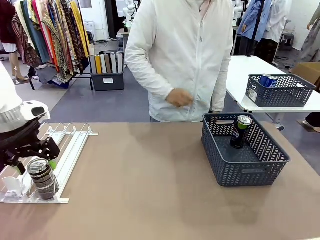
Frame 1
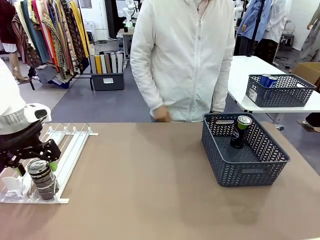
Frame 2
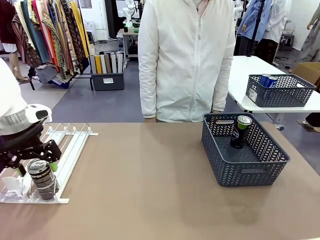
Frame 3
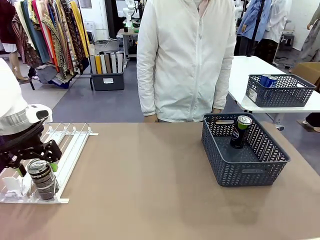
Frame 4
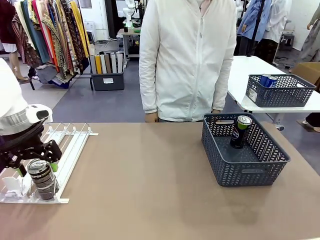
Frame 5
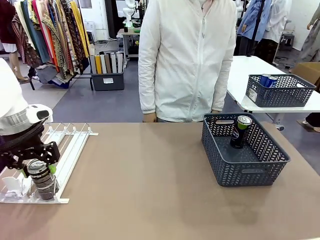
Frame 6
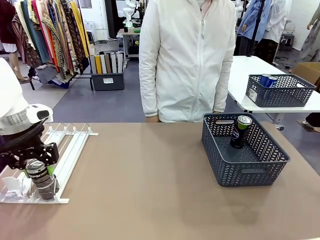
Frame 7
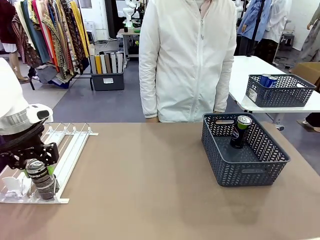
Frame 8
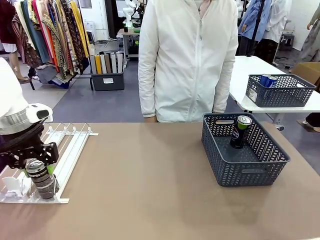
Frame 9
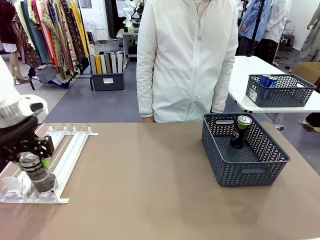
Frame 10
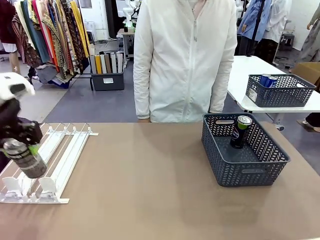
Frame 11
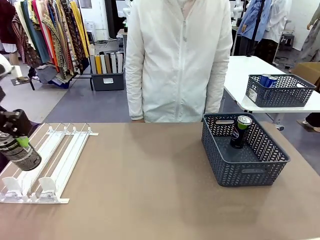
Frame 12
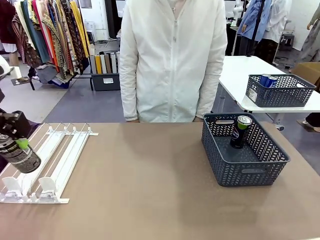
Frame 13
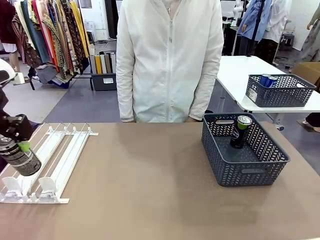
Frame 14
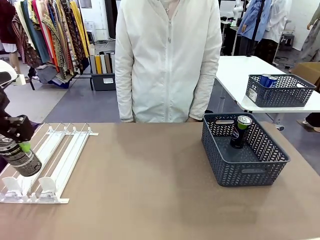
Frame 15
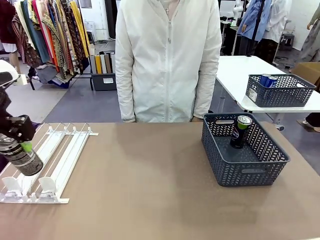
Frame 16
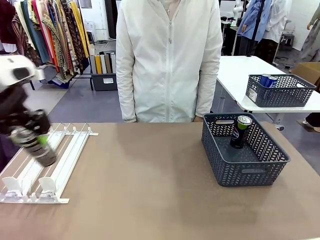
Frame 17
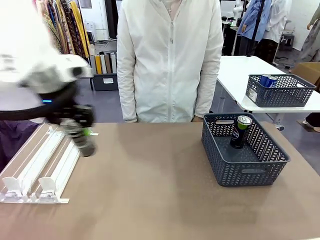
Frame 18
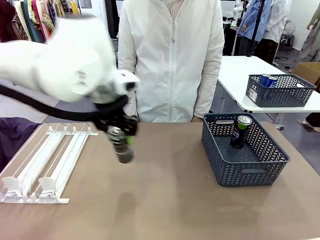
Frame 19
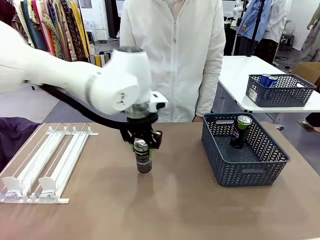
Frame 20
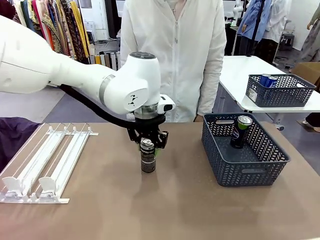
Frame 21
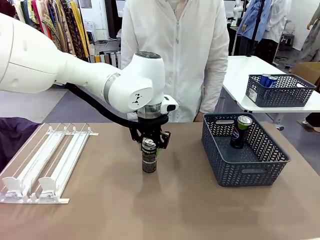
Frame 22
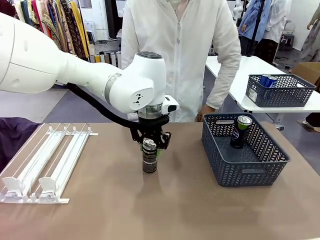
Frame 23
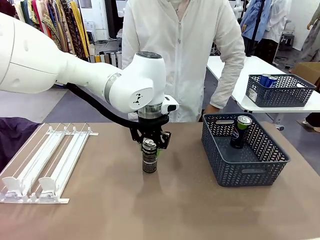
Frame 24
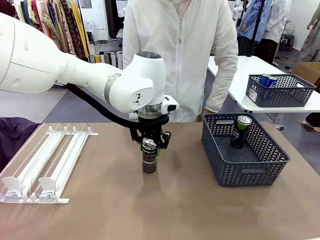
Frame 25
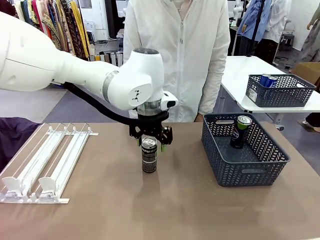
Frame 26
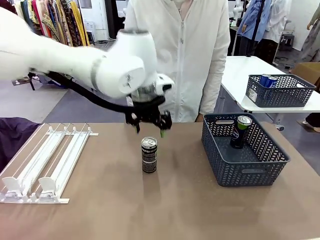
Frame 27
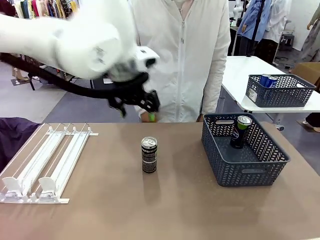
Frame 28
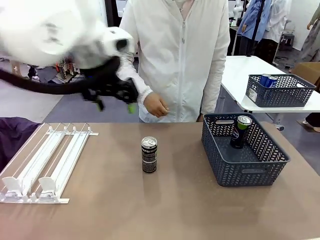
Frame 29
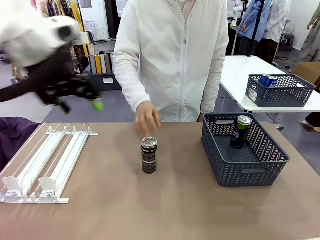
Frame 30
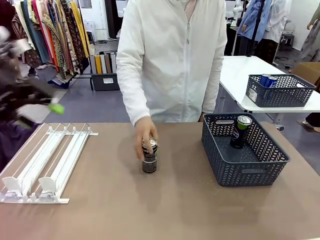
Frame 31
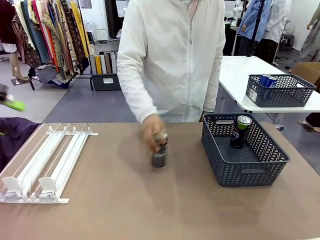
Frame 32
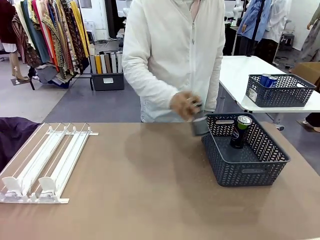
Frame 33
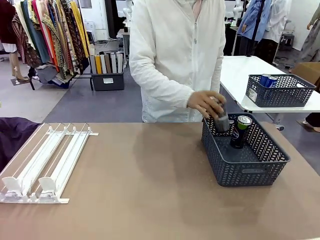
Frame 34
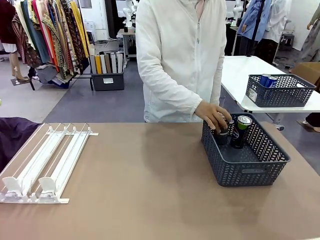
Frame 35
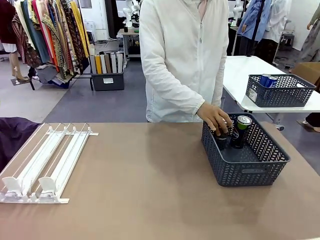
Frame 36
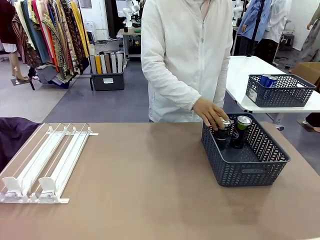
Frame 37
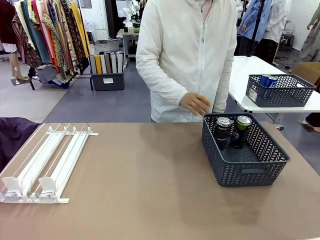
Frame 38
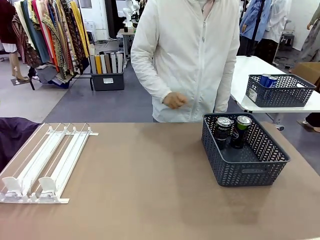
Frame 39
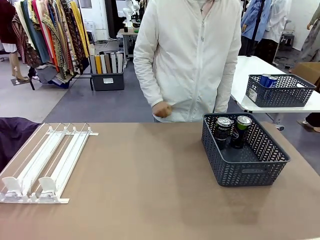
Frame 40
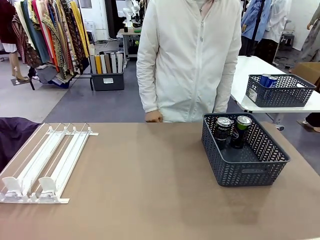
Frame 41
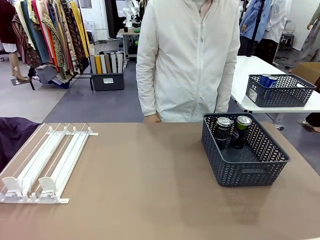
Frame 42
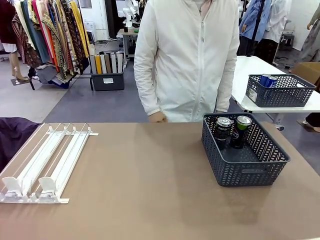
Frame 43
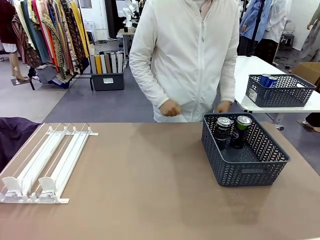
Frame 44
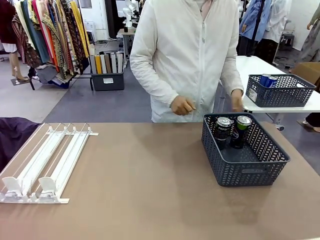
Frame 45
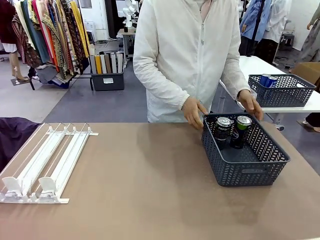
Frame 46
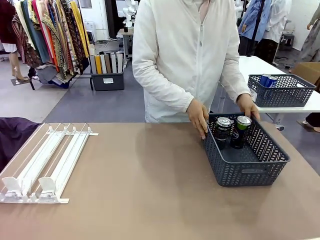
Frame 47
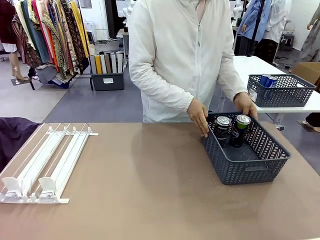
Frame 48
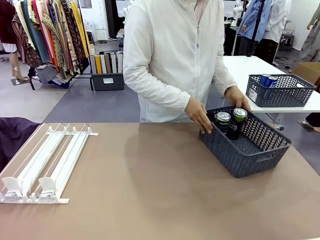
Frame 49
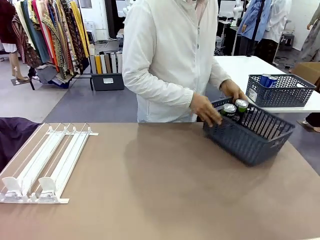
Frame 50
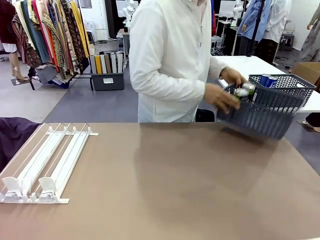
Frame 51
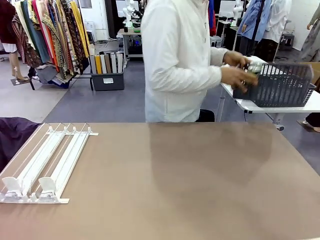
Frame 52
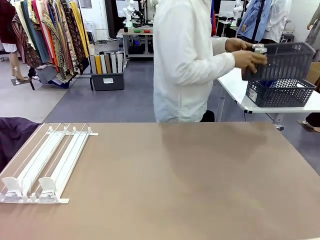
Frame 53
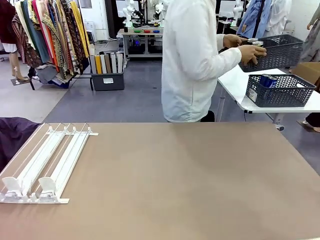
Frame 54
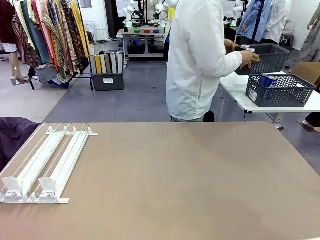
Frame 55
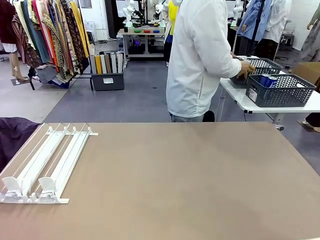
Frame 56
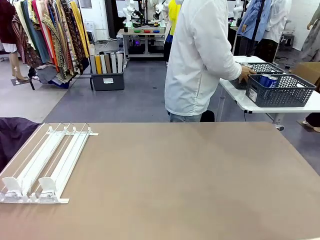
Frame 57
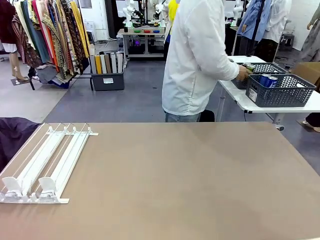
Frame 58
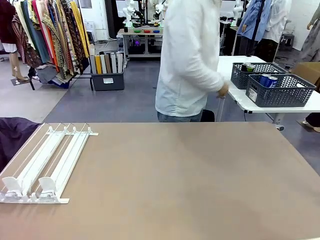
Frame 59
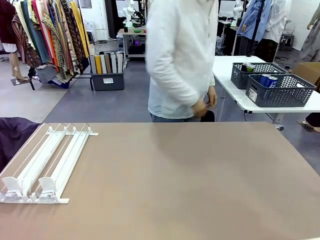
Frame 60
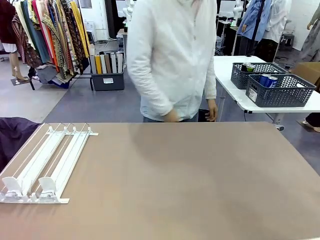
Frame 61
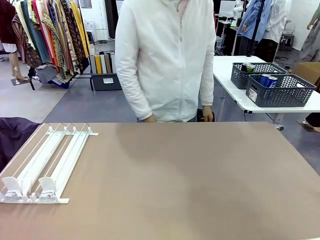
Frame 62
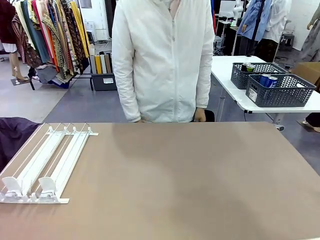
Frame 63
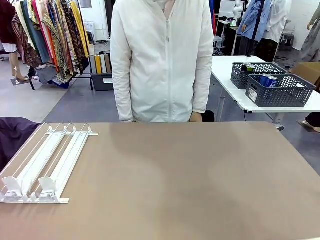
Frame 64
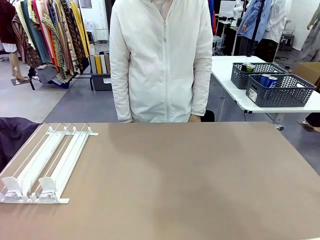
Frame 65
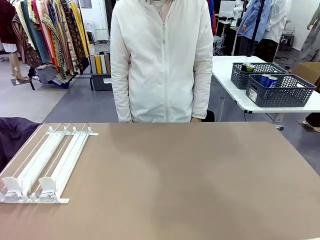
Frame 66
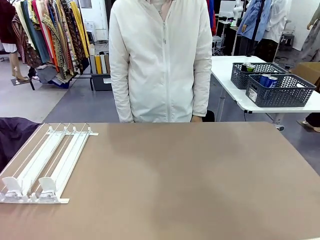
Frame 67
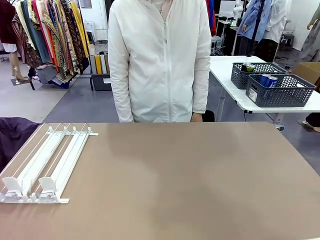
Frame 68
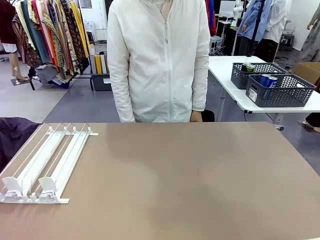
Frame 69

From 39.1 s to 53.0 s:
Task: Retrieve and store the cans from the dispenser.
Robot: Pick up one can from the Automatic Can Dispenser and place it in the middle of the table.
Person: Pick up one sports drink can from the middle of the robot table and place it in the basket. Pick up the basket and place it in the middle of the human table.

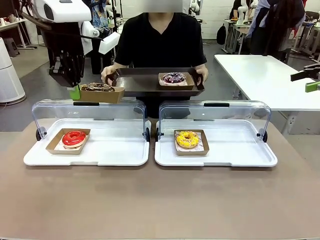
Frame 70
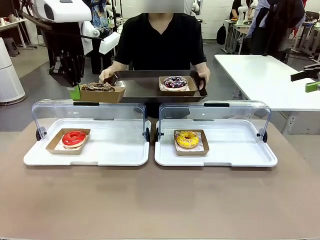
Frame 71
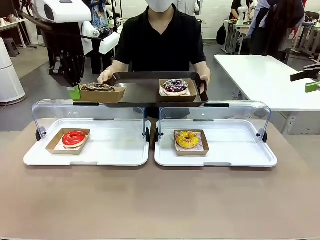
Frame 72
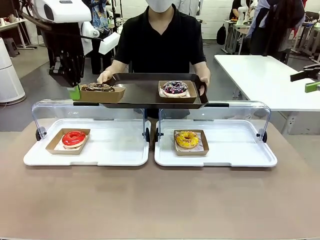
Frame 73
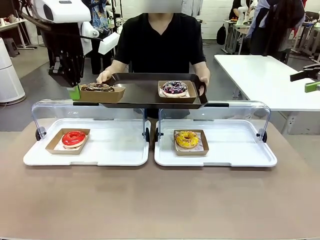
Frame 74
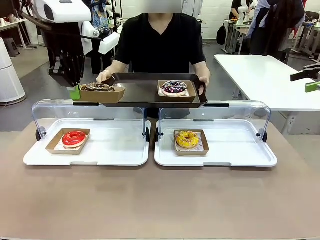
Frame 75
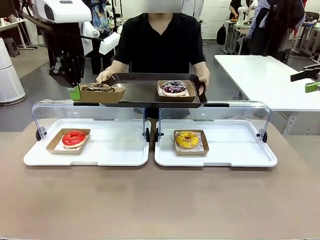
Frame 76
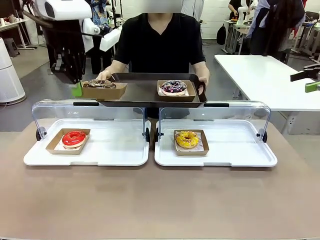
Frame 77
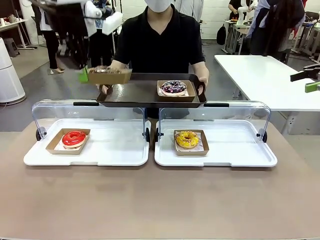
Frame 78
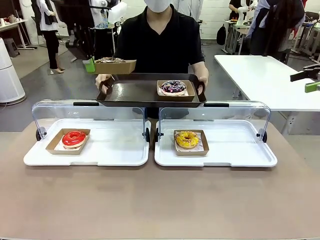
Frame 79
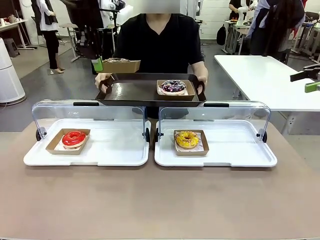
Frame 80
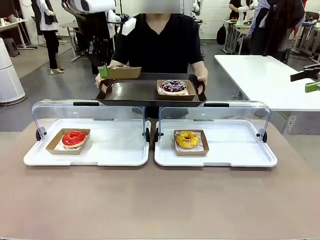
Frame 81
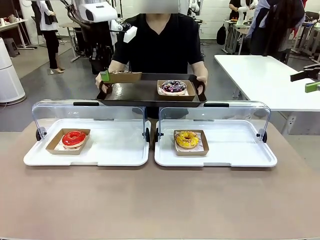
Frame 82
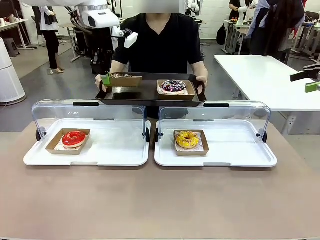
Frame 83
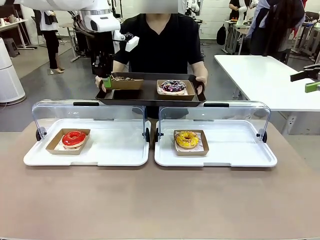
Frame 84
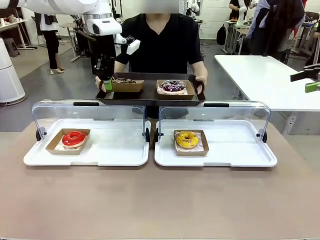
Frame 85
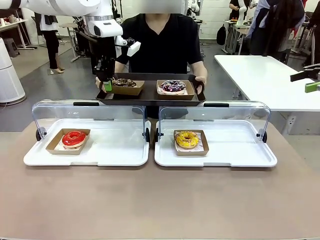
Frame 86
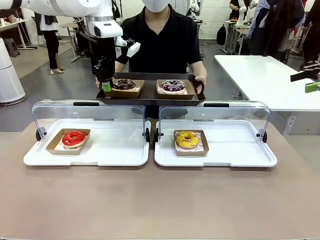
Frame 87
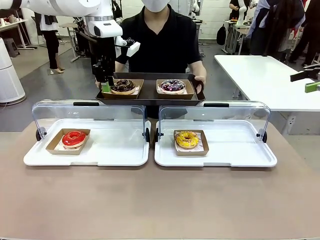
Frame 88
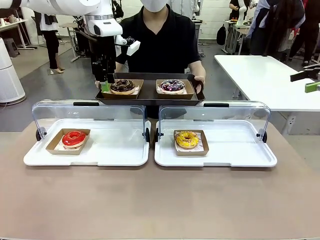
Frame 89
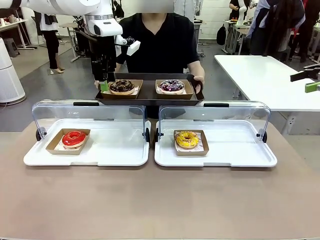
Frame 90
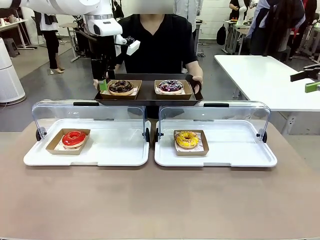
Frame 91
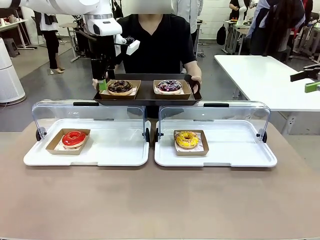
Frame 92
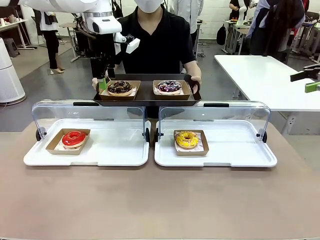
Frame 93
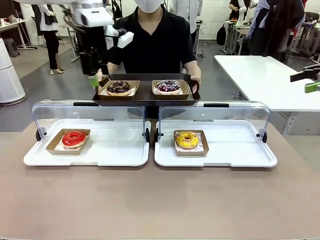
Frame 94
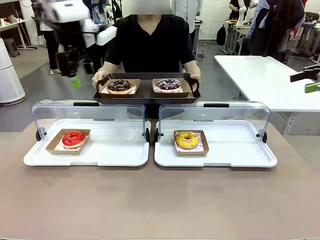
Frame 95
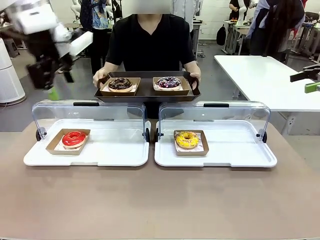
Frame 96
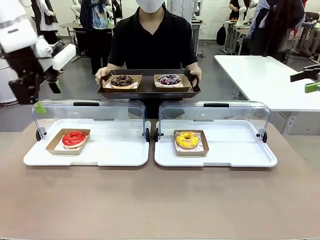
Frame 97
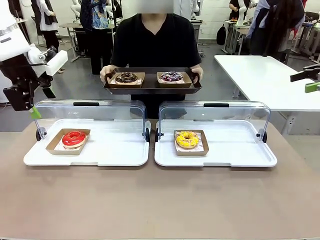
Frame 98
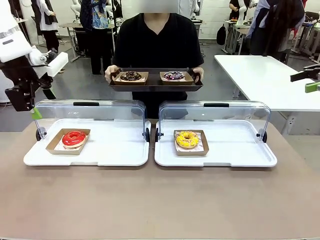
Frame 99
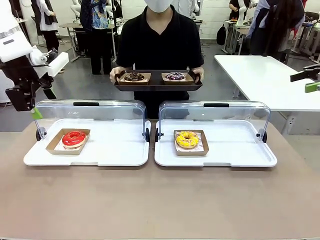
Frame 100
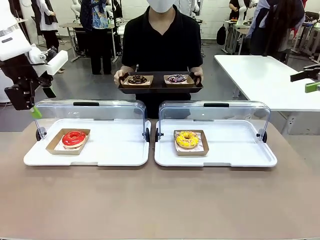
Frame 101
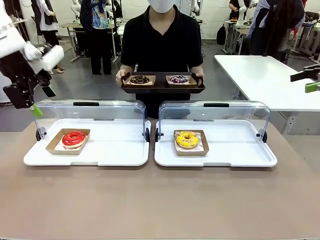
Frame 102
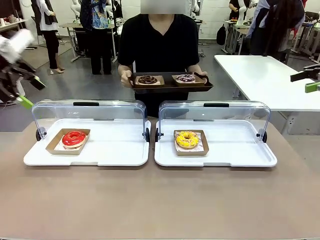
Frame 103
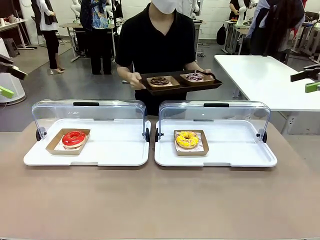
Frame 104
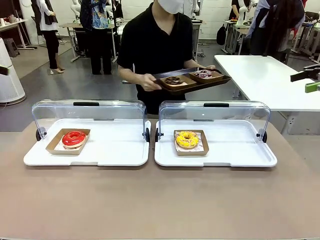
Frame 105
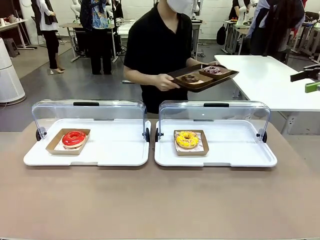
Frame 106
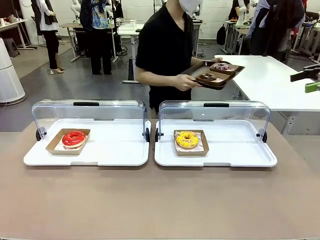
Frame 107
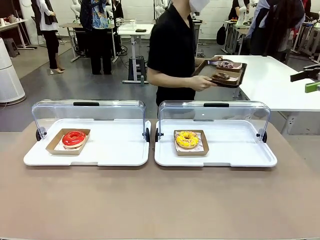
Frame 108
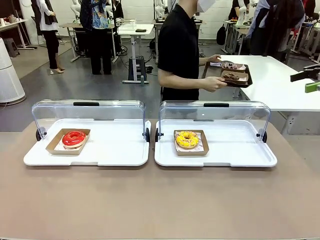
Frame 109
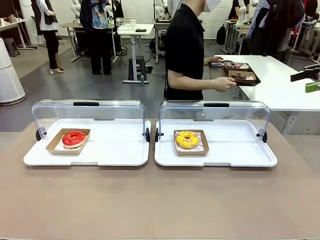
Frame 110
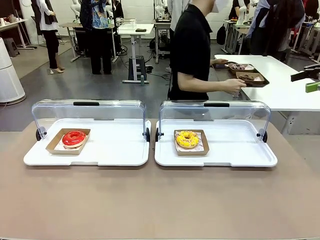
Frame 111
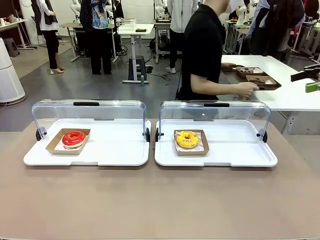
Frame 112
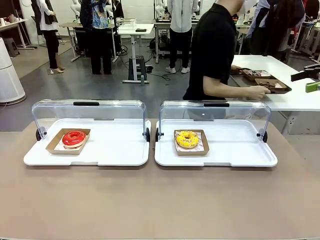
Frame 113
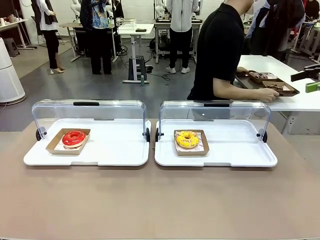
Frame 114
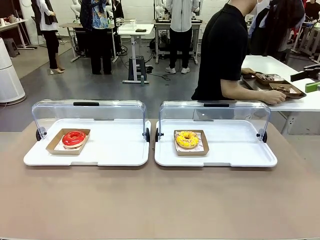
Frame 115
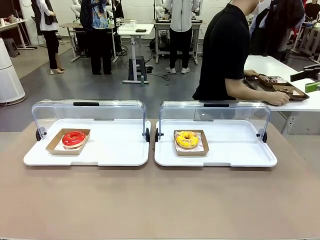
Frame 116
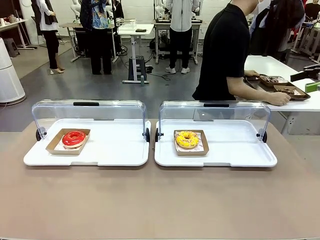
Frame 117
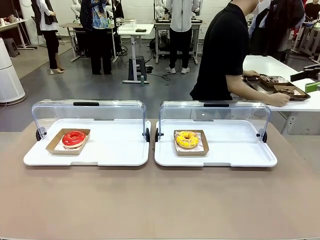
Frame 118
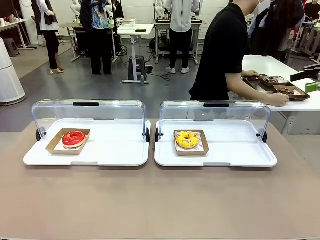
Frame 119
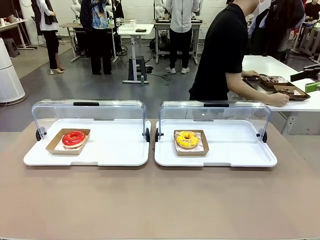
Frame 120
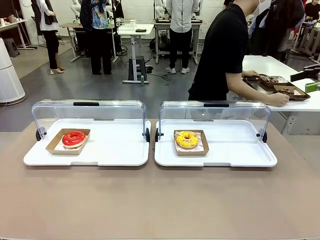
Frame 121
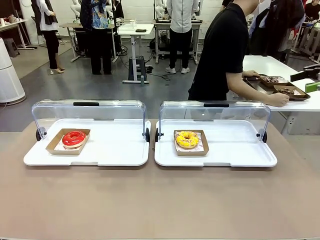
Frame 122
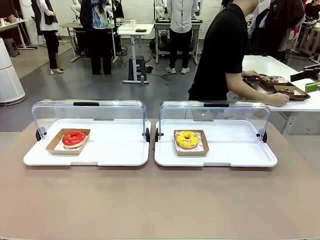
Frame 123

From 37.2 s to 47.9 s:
Task: Provide the desired donut to the person.
Robot: Place the picked Paper togo box onto the Handle tray extended by the person.
Person: Place the tray in the middle of the human table.
